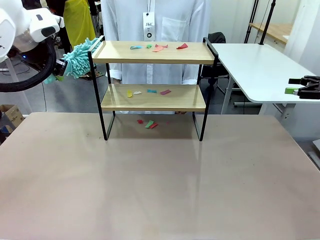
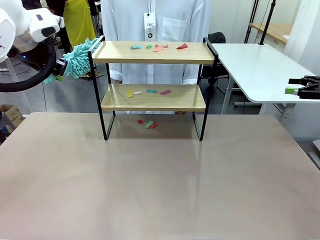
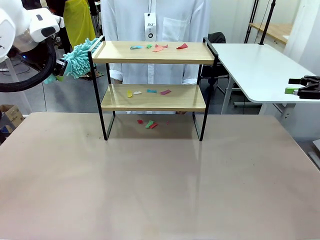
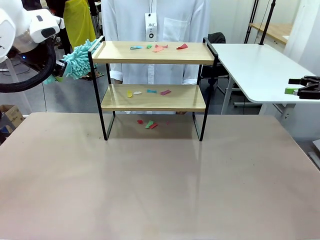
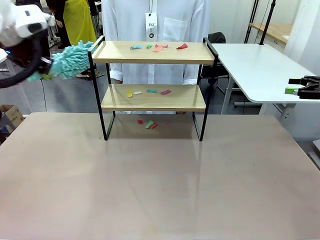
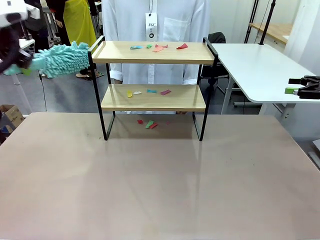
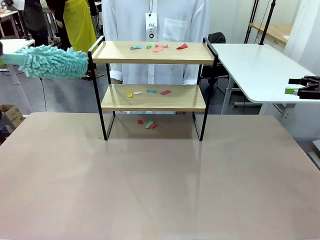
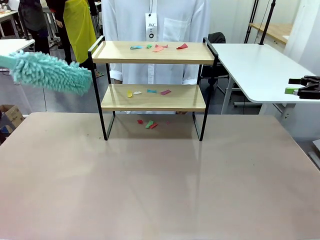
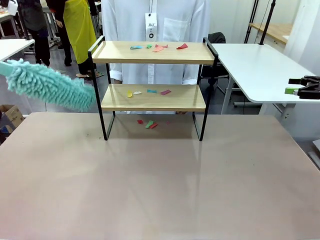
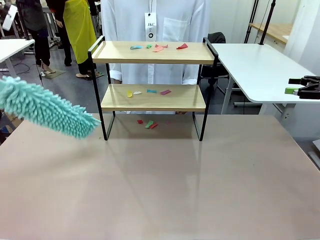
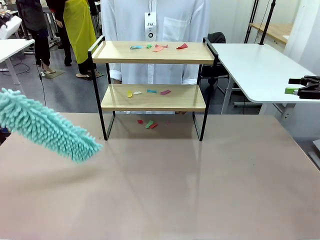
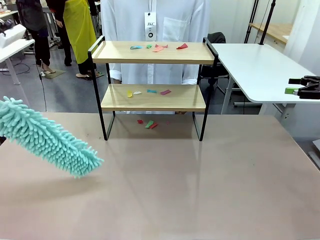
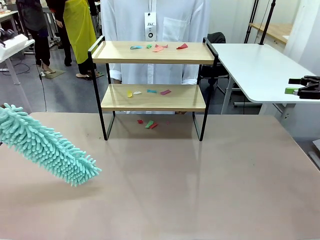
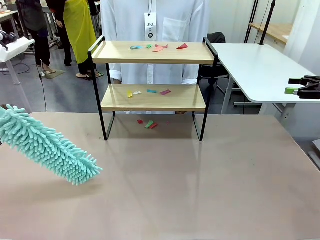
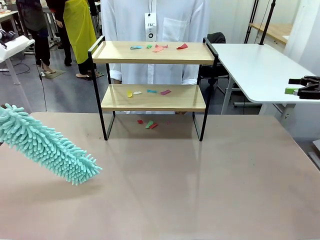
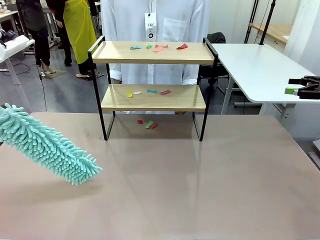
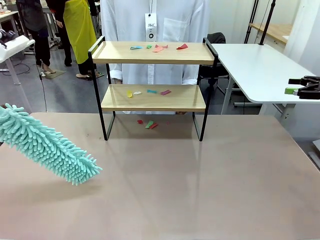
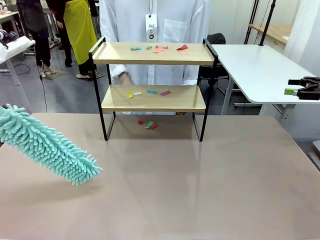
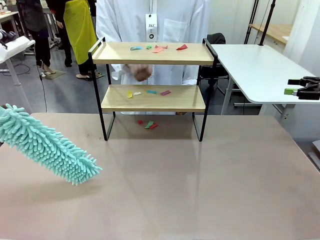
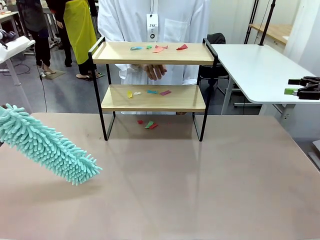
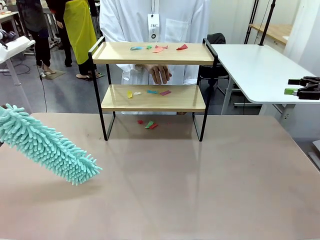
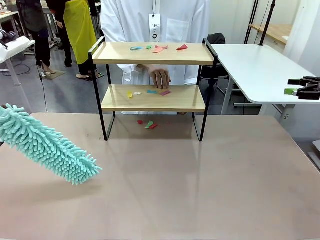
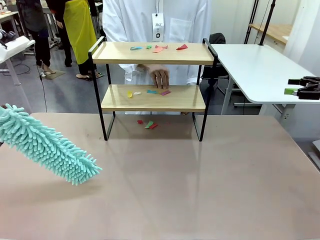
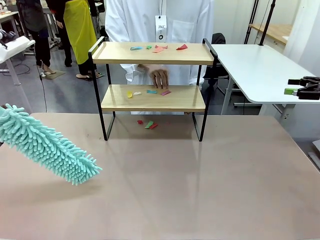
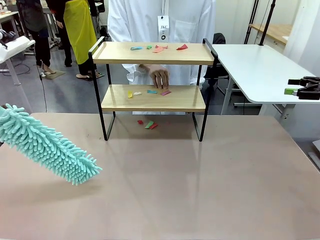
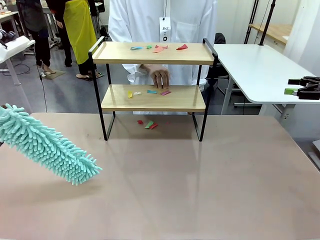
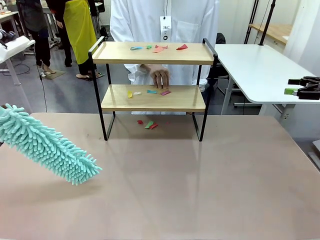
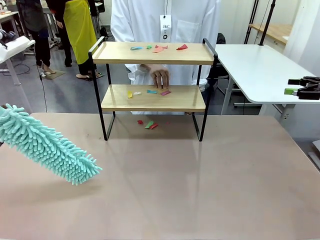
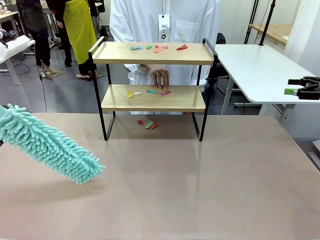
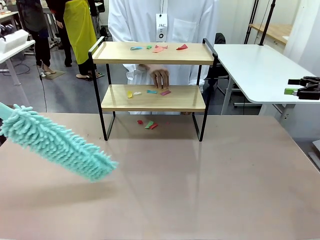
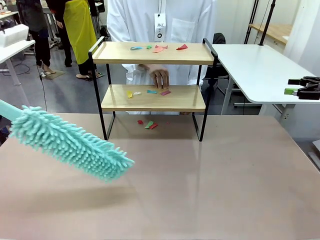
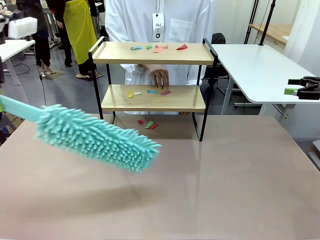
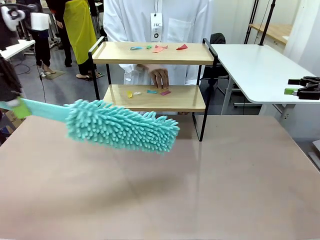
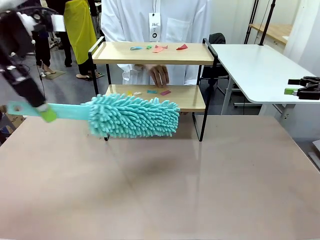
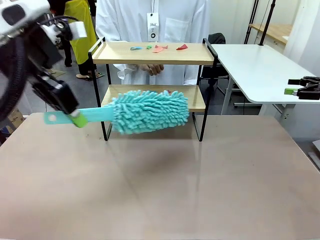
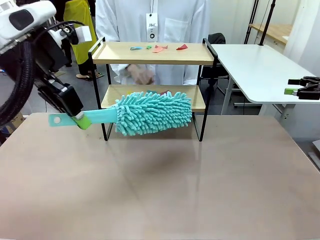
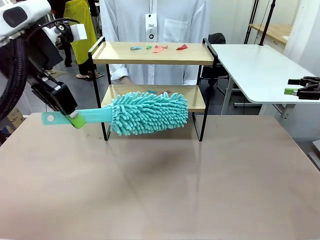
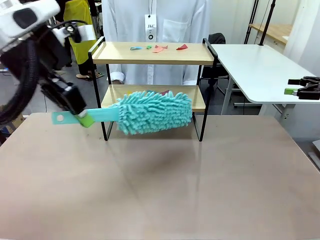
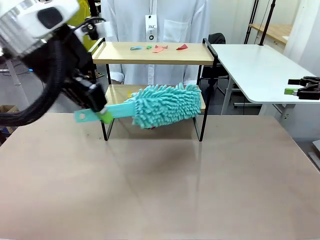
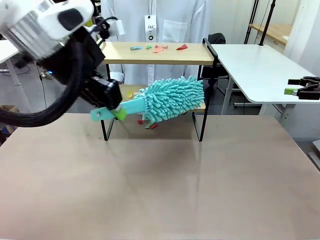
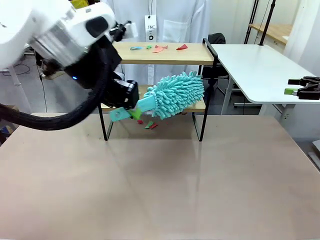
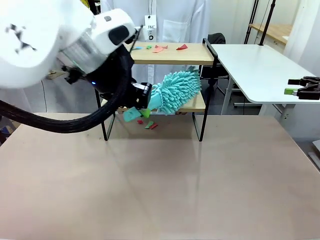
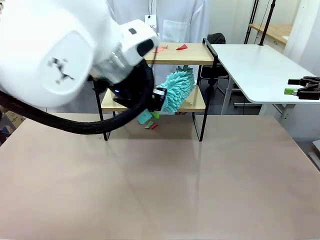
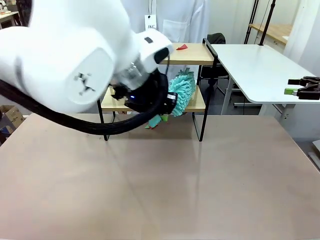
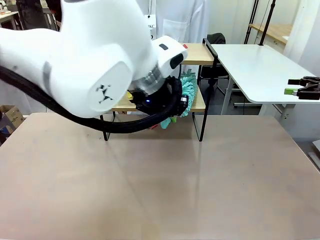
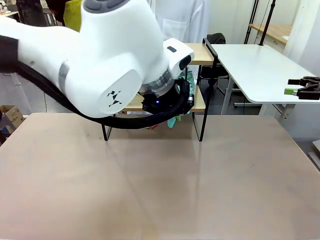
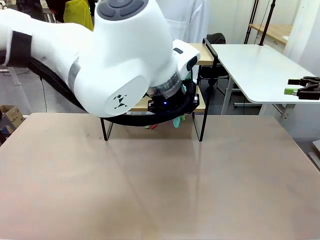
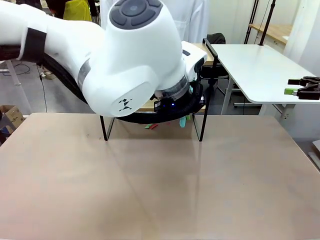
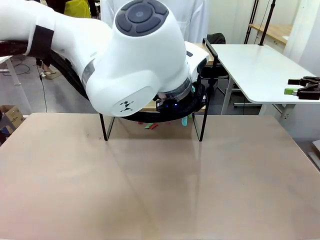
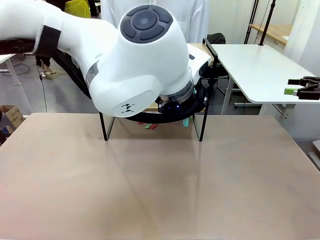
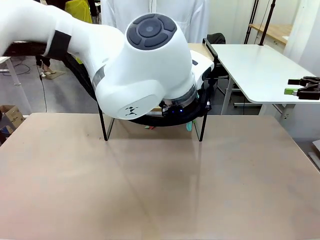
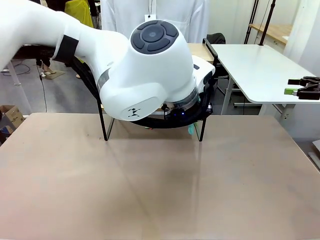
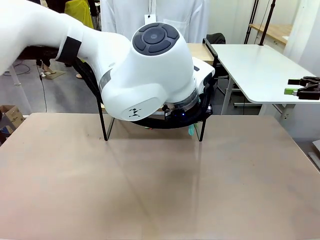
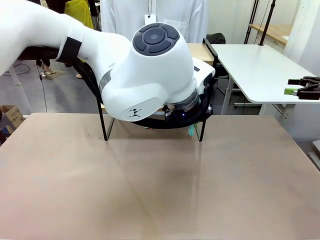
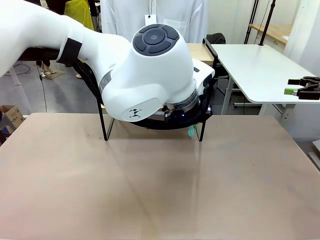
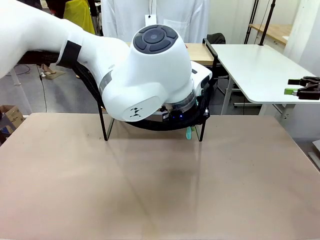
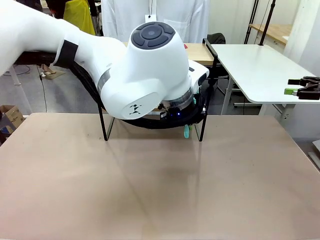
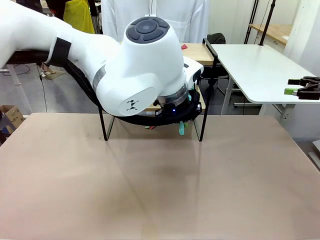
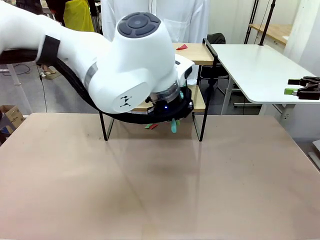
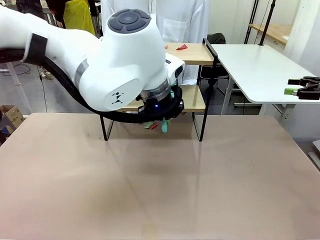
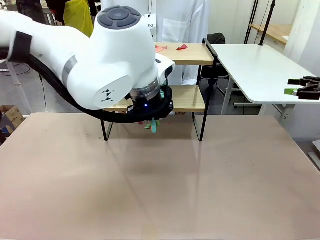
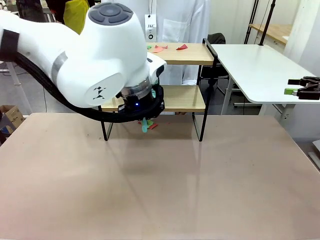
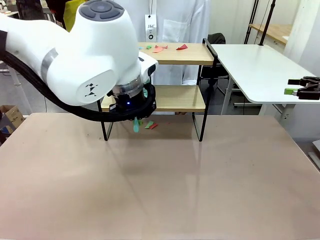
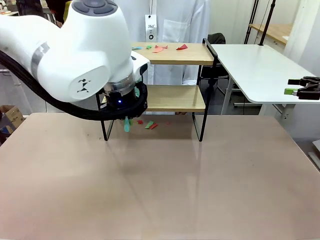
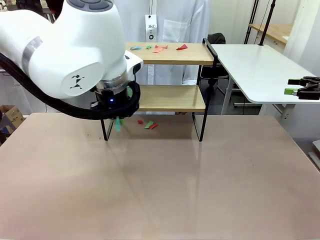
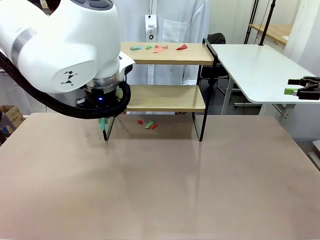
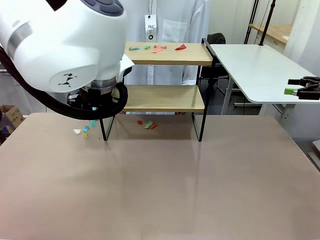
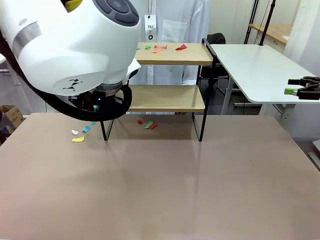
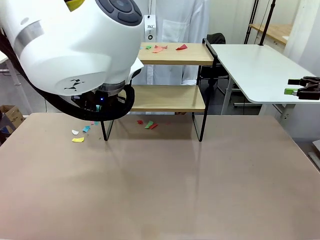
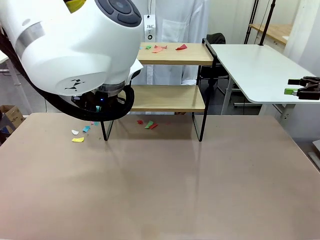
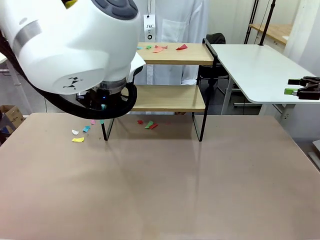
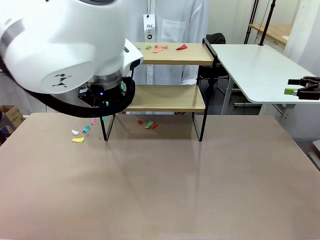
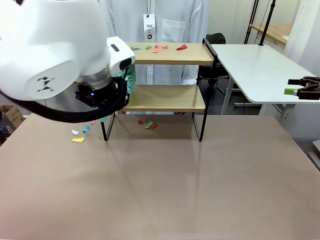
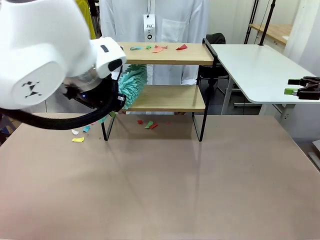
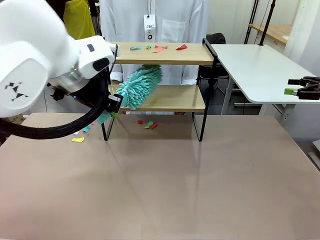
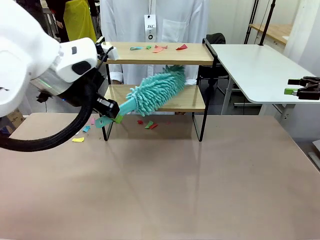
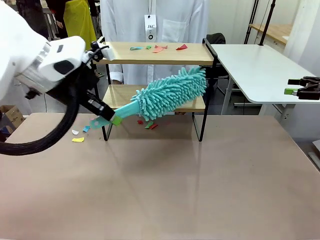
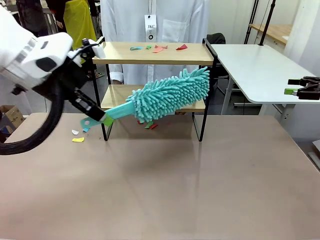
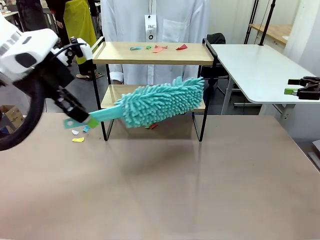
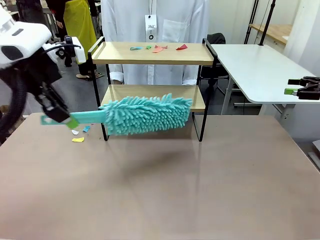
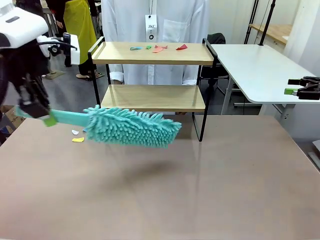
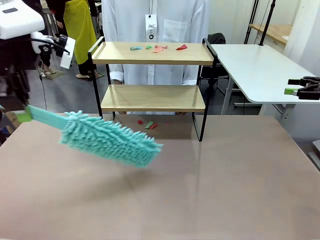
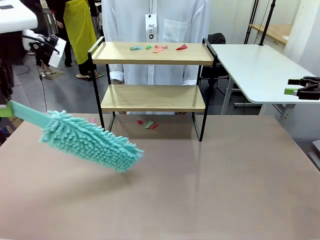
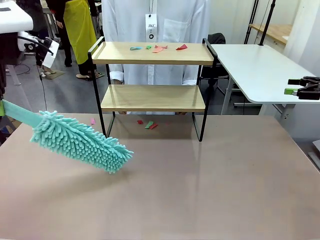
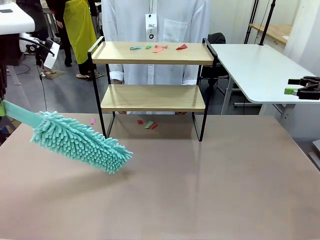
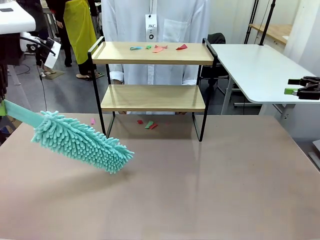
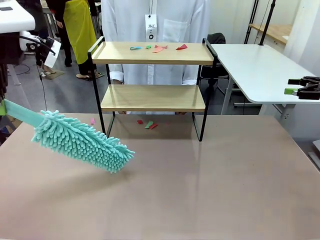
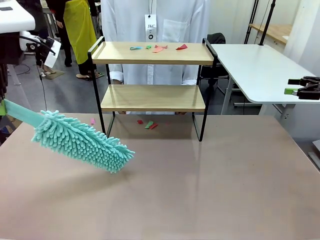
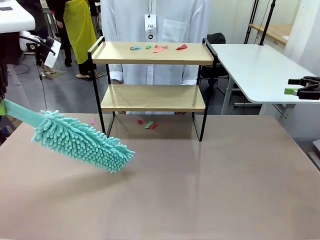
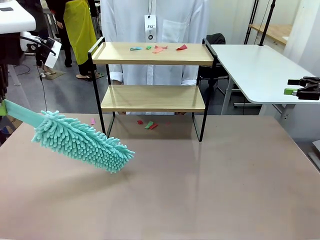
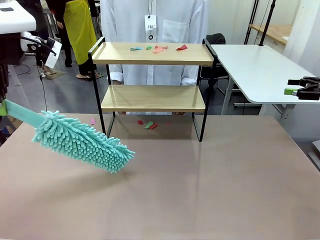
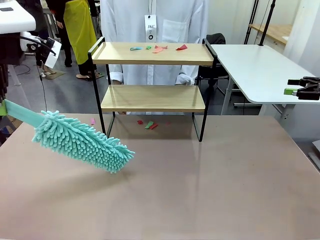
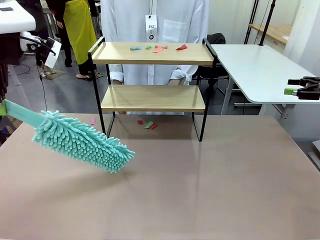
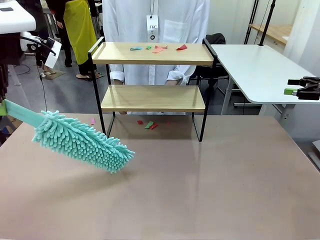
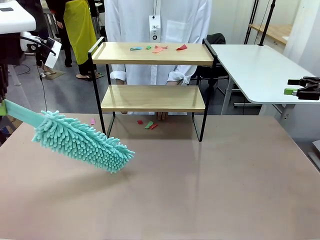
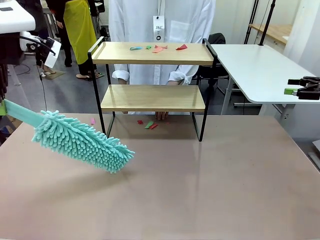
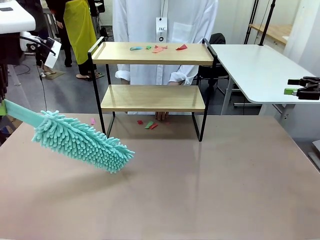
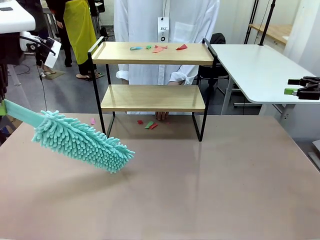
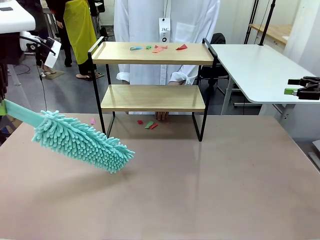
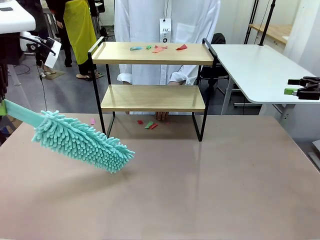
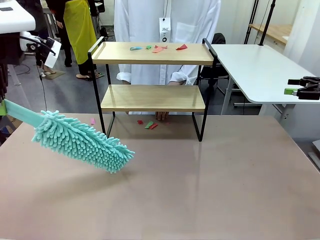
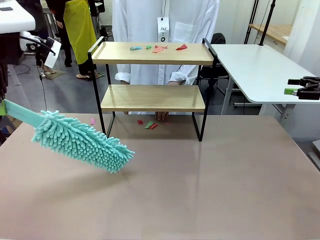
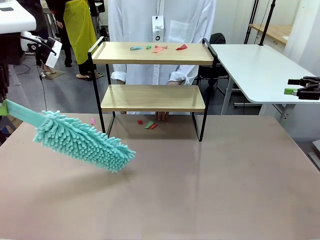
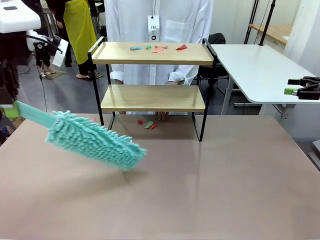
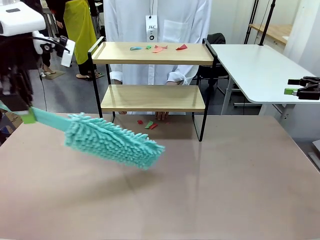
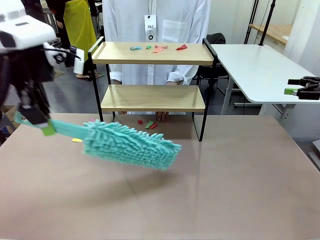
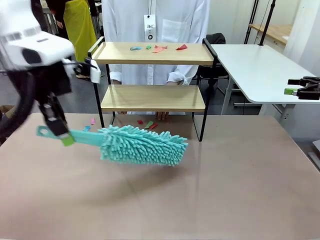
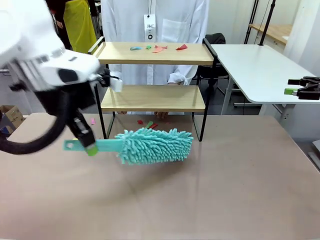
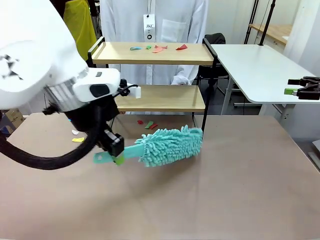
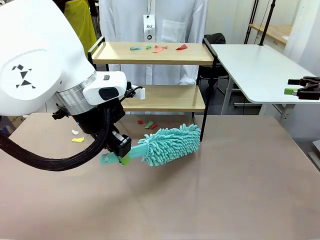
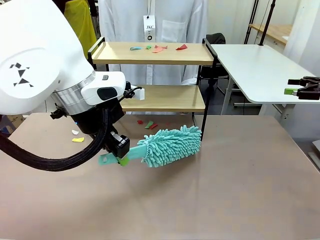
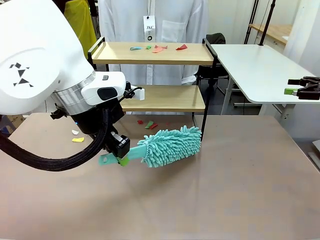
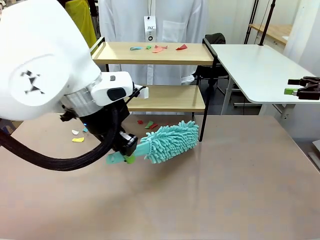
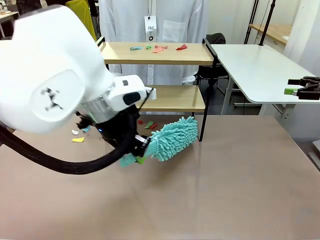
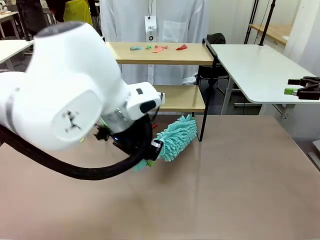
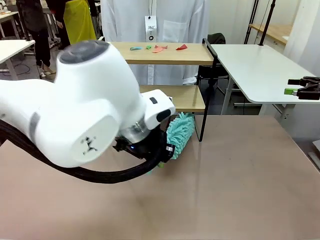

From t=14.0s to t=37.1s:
Task: Clean the shelf.
Robot: Clean the specific section of the Shelf indicated by the human with the Duster.
Person: Point a random section of the Shelf.
